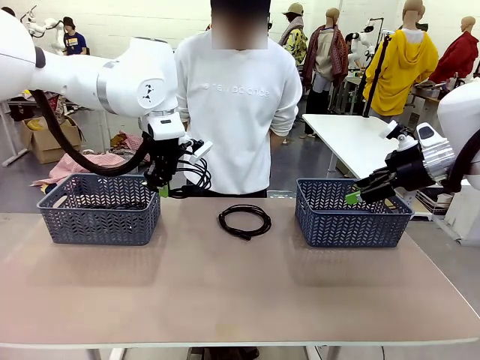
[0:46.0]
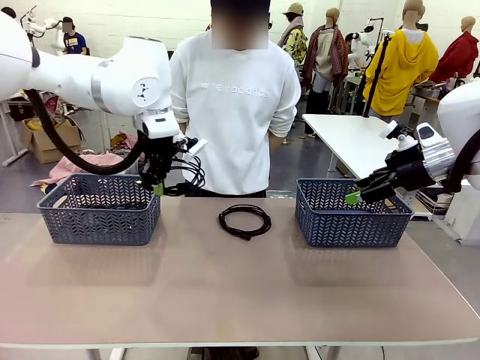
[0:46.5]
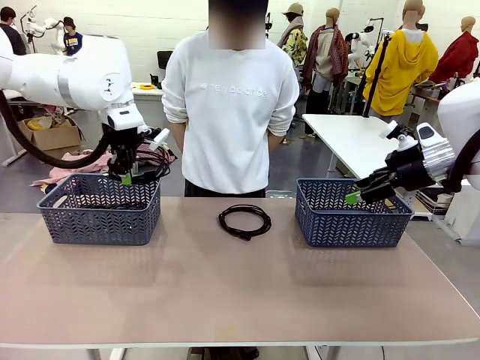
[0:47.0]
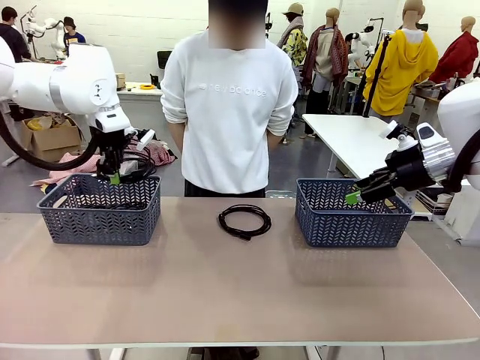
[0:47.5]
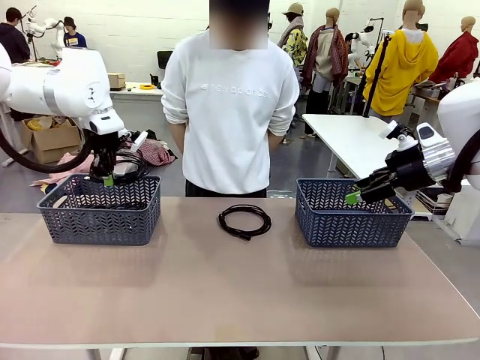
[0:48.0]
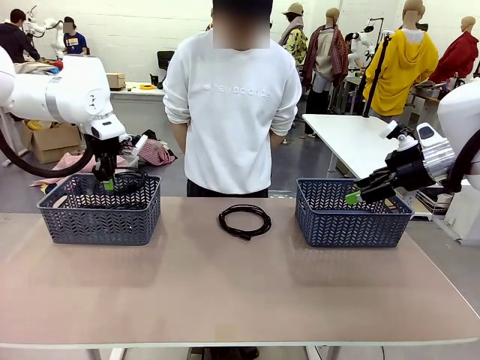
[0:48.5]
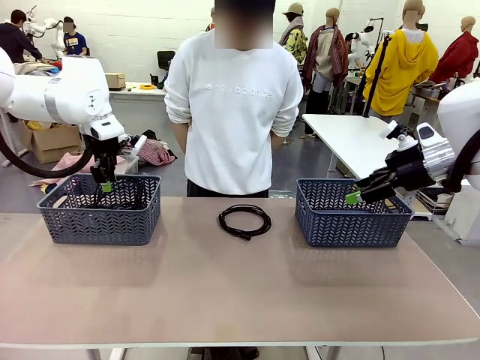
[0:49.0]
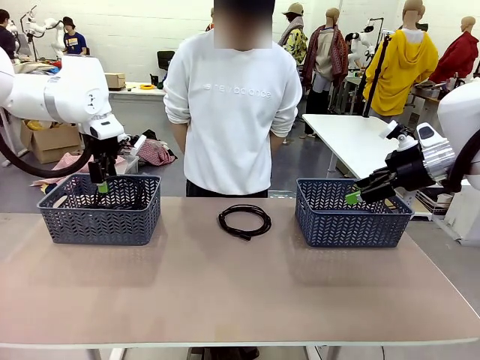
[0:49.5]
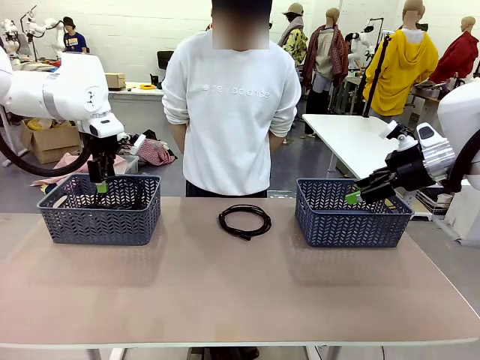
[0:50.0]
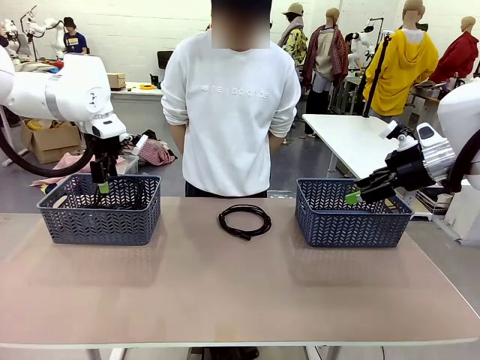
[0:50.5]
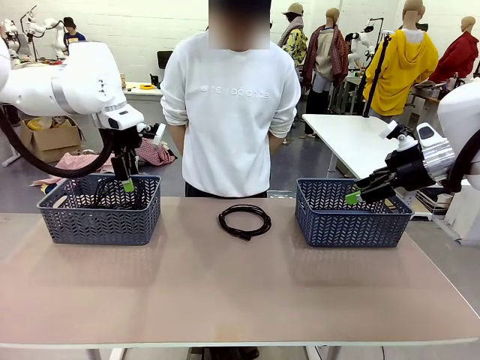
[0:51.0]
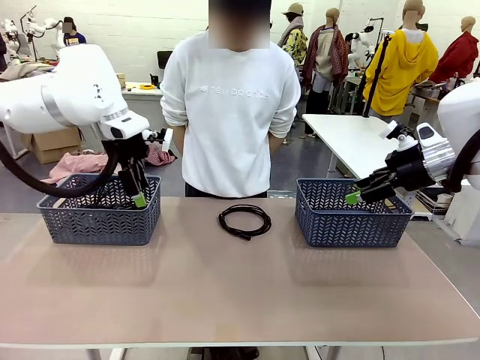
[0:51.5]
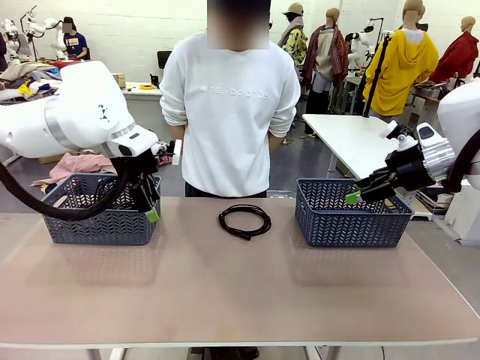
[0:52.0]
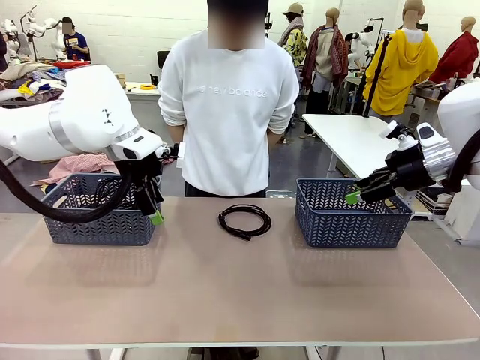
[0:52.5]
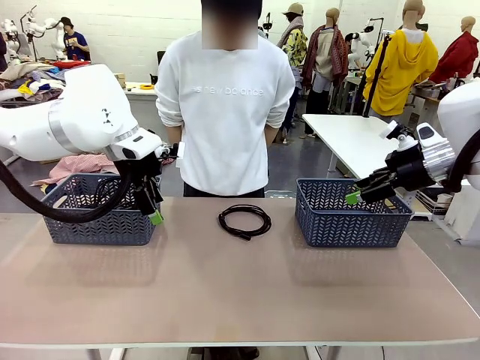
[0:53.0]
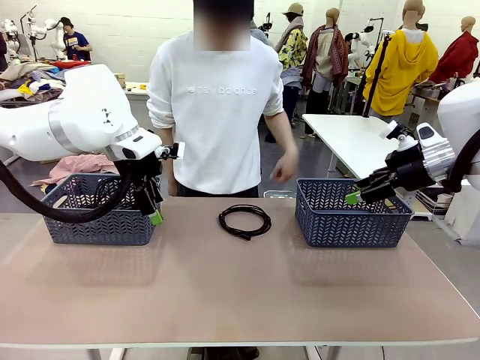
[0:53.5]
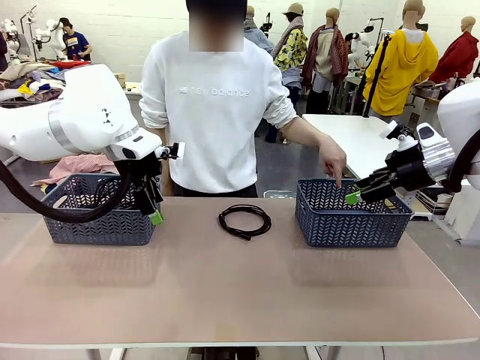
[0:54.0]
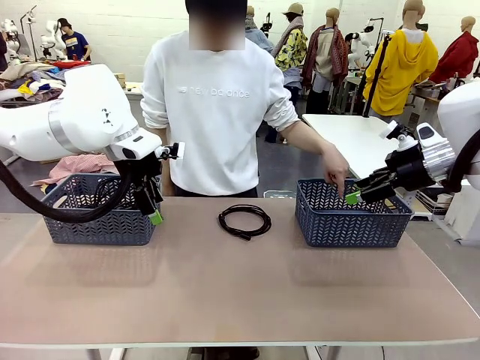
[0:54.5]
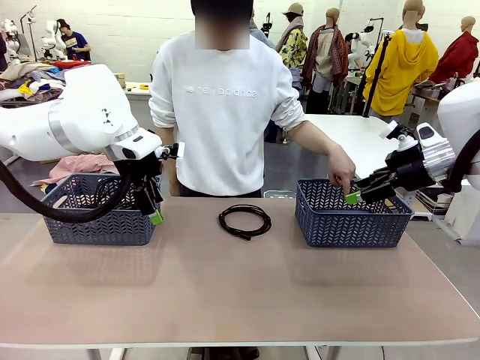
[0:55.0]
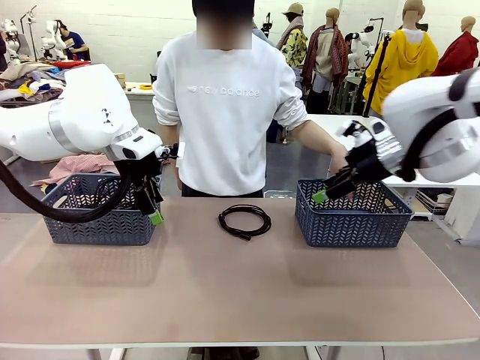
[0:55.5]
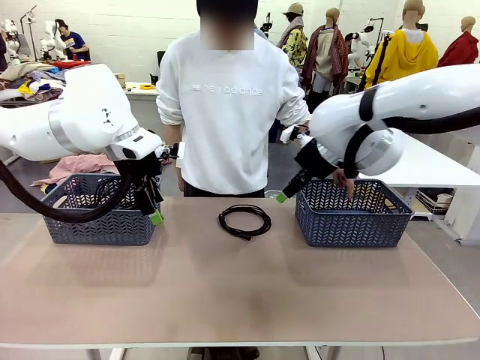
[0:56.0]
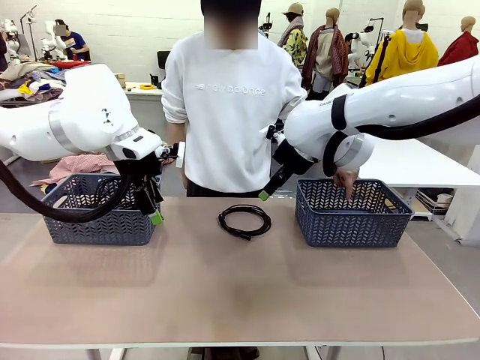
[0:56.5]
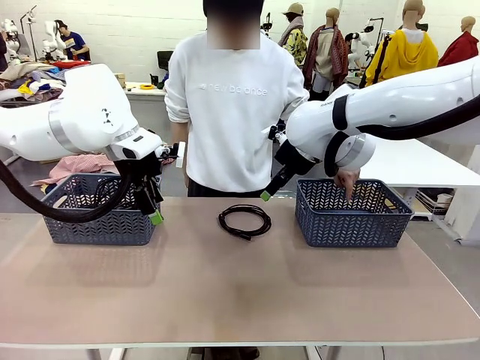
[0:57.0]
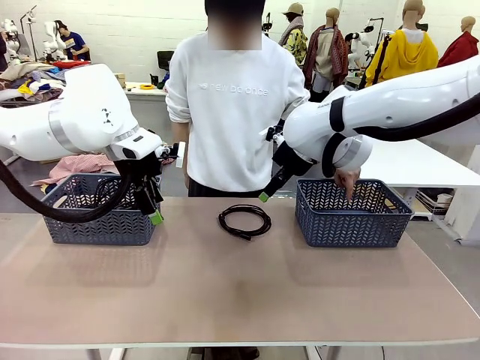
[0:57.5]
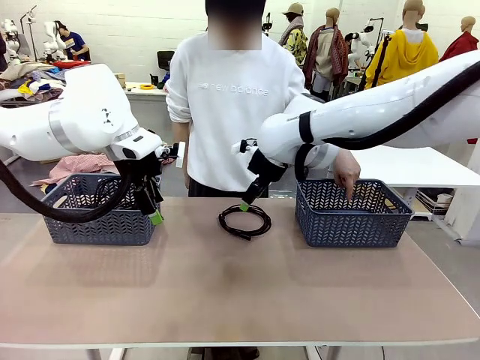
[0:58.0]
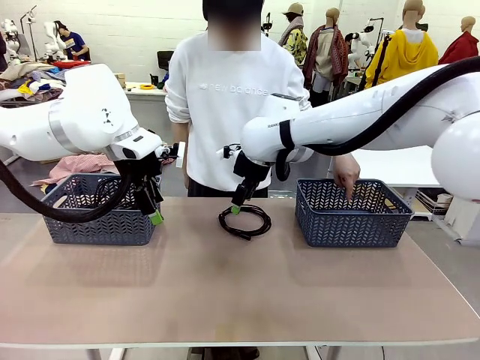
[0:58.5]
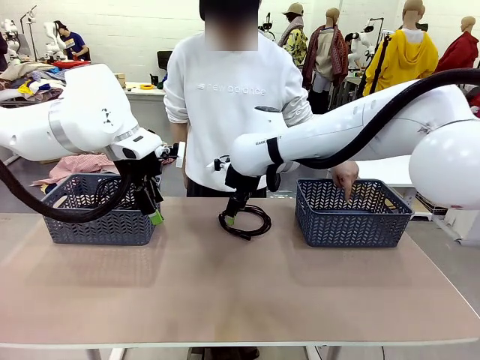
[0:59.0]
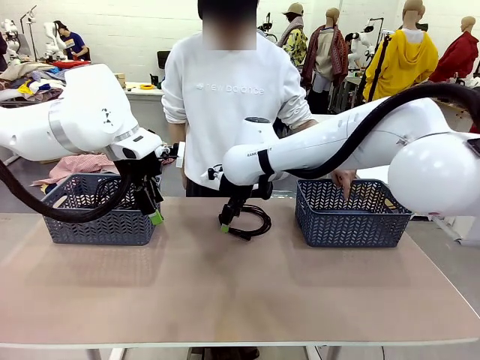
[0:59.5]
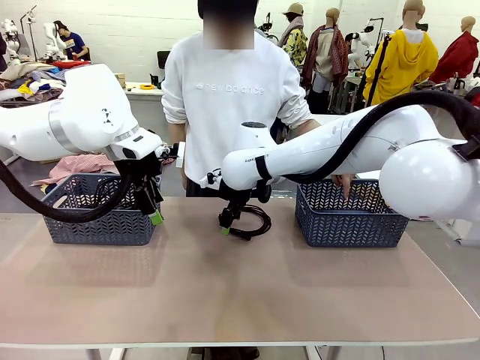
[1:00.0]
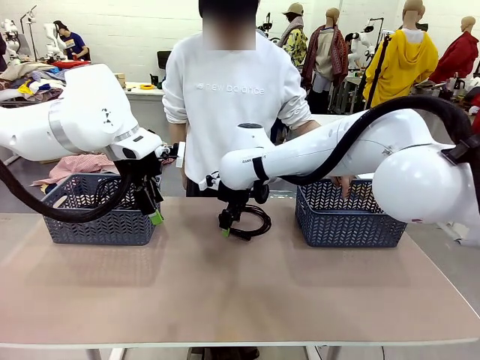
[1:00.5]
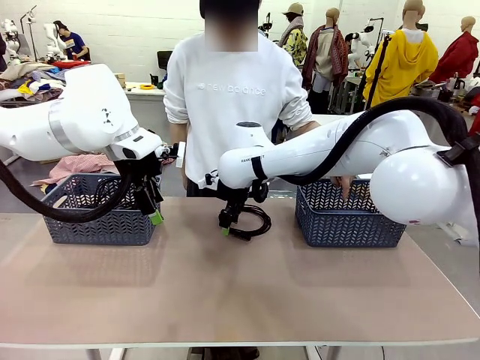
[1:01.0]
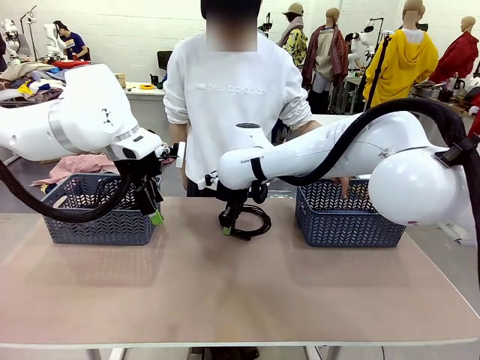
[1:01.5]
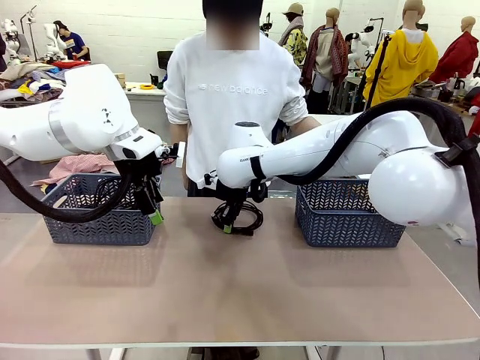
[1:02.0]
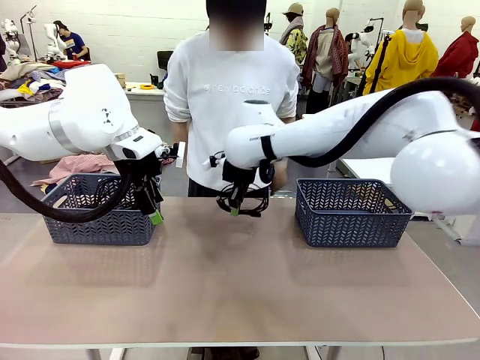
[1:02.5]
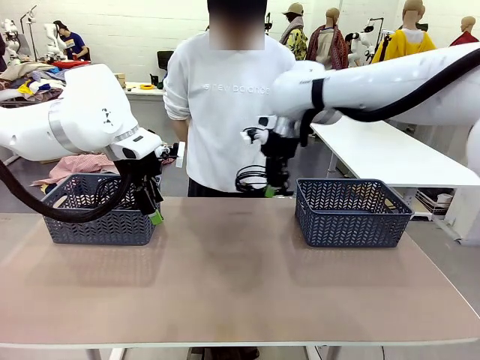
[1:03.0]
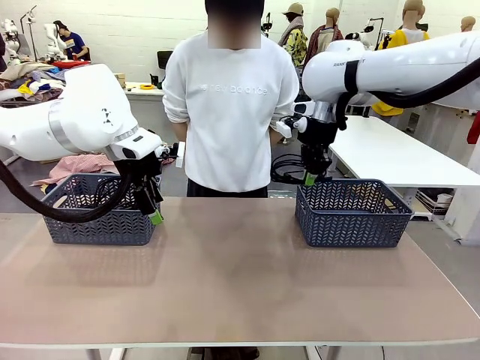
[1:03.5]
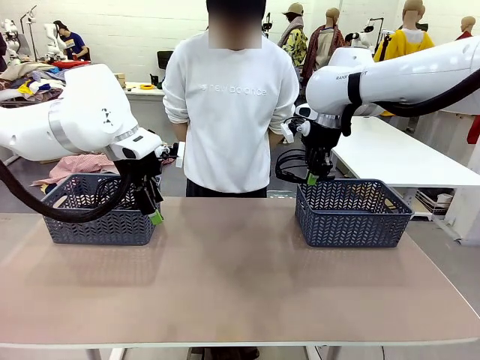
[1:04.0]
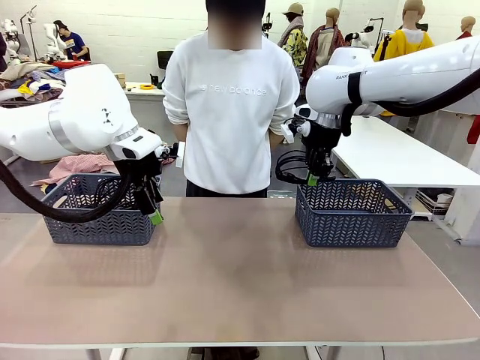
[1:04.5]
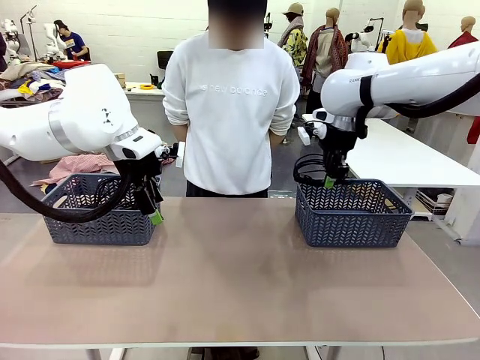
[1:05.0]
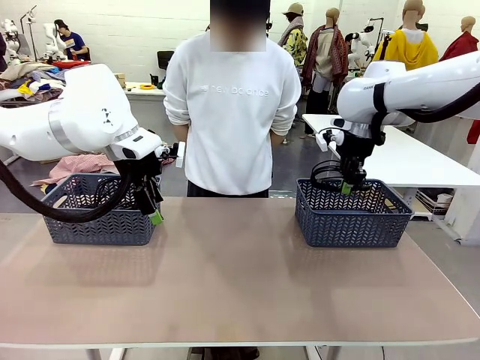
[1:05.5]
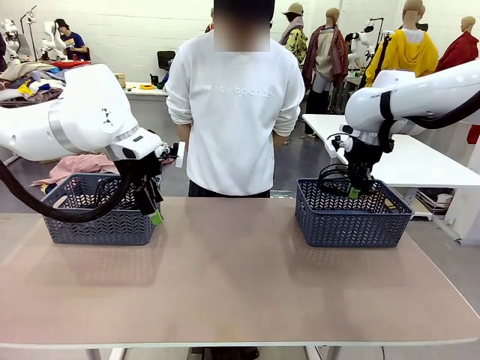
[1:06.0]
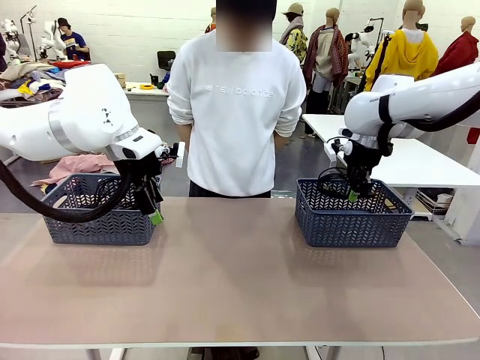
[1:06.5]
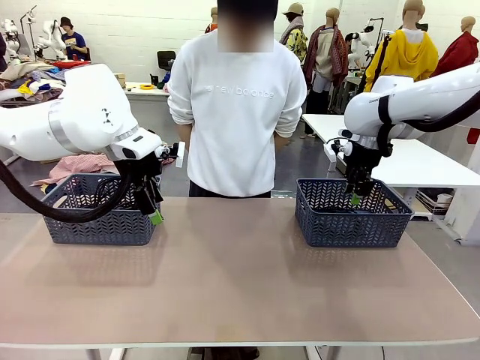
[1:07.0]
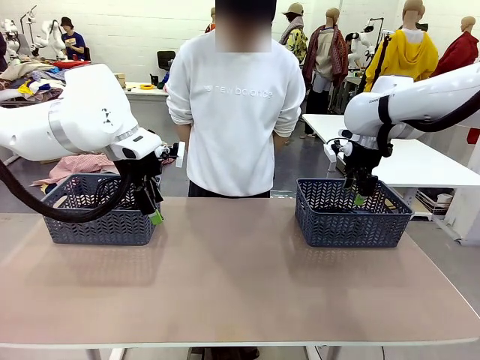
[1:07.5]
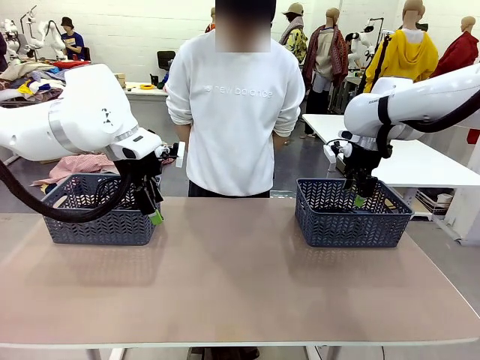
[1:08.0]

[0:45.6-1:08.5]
Task: Organize the cables according to human instructions.
Robot: Pick up a bundle of cables and place it in the basket indicated by the human.
